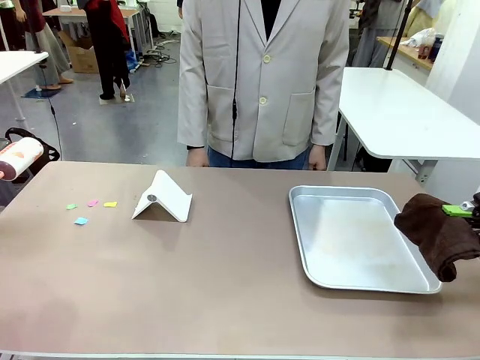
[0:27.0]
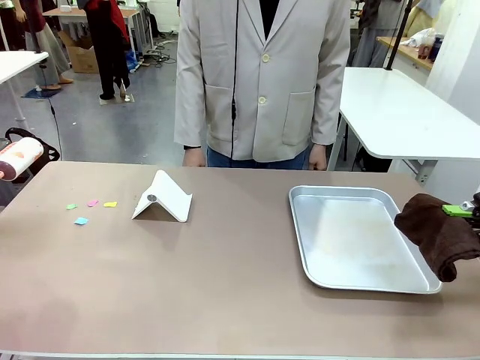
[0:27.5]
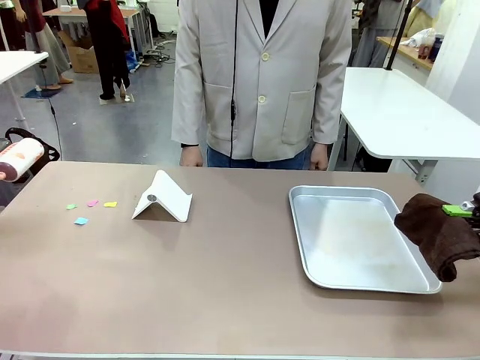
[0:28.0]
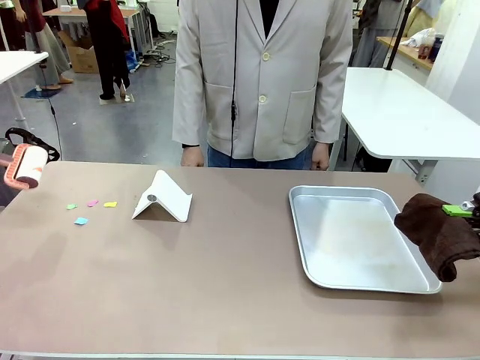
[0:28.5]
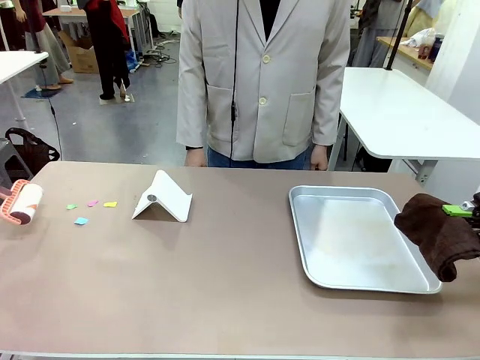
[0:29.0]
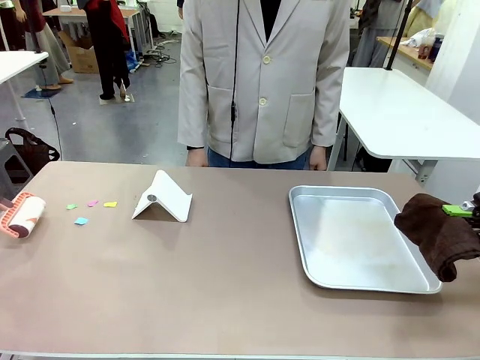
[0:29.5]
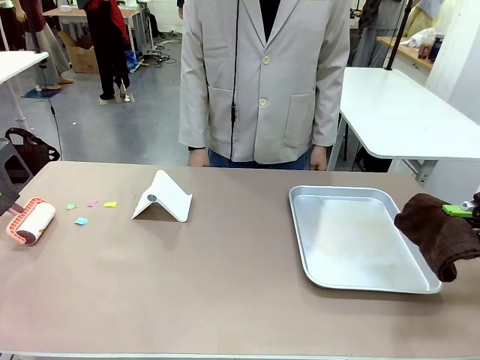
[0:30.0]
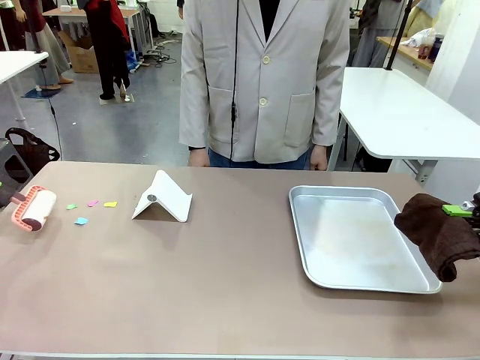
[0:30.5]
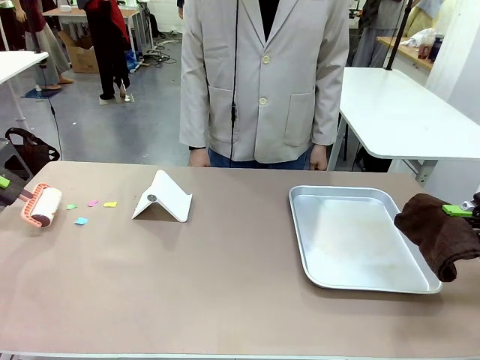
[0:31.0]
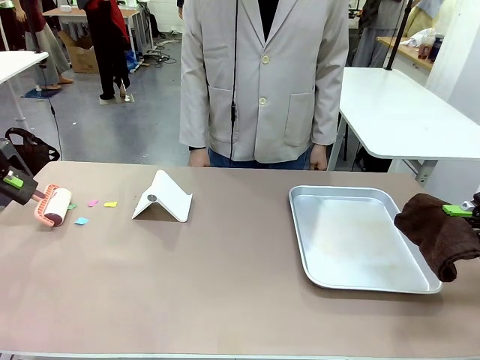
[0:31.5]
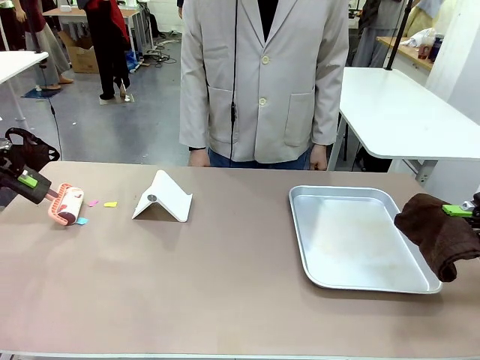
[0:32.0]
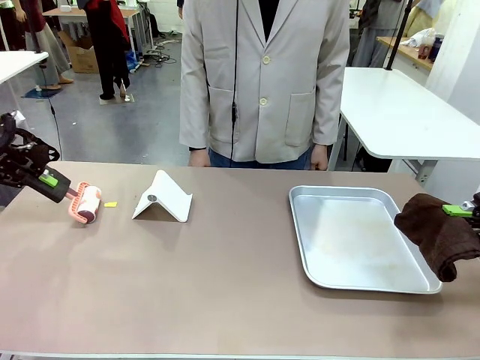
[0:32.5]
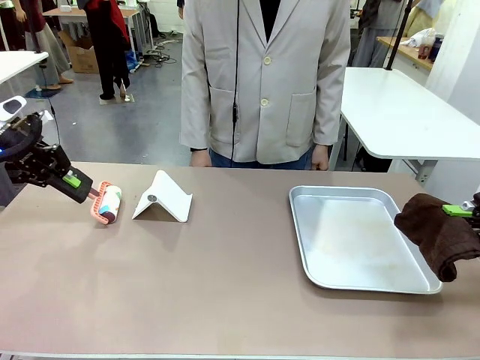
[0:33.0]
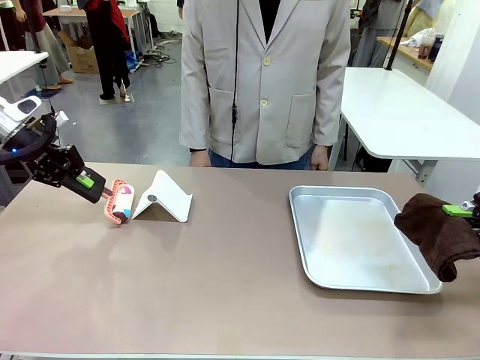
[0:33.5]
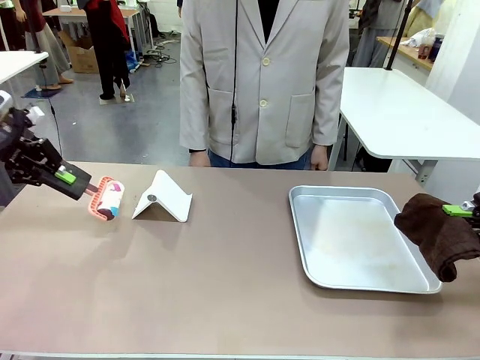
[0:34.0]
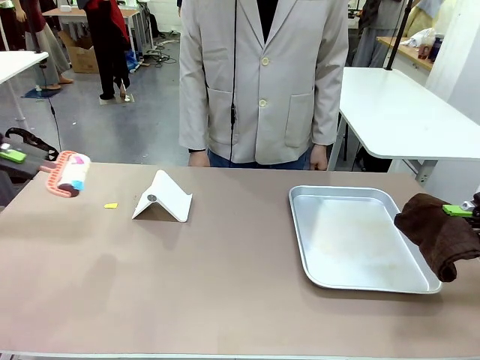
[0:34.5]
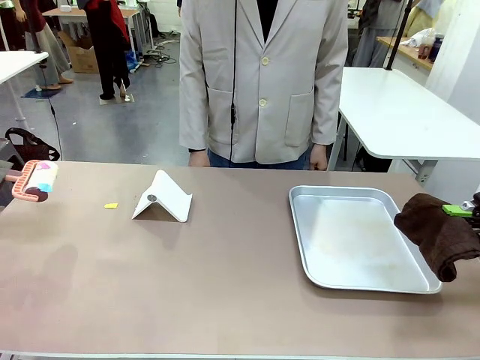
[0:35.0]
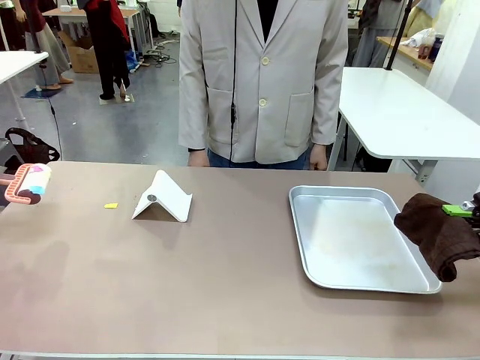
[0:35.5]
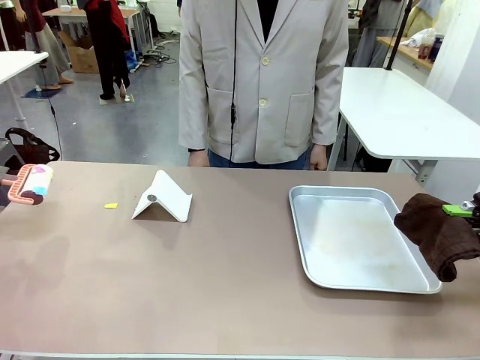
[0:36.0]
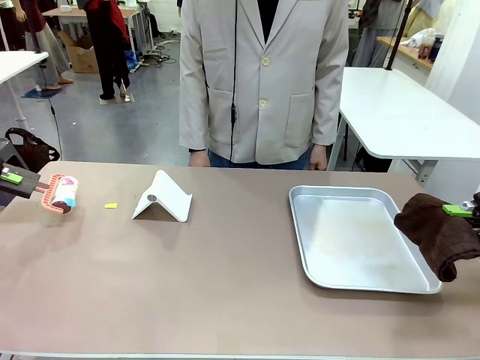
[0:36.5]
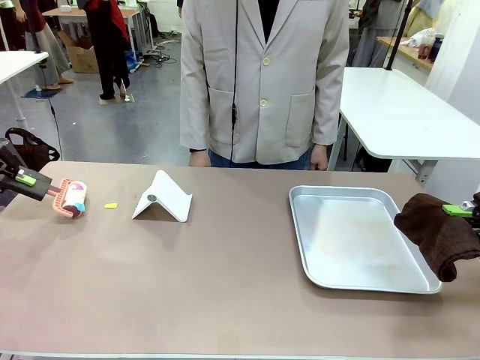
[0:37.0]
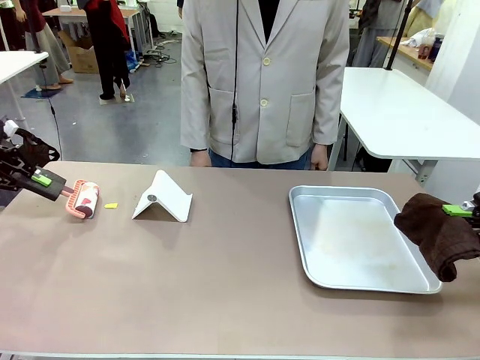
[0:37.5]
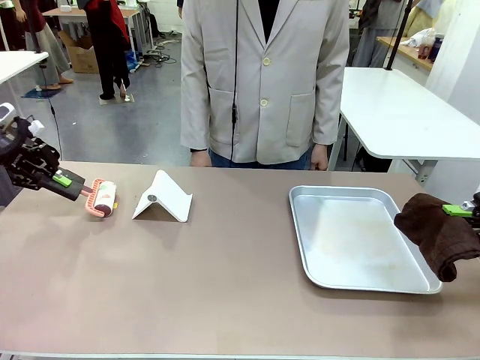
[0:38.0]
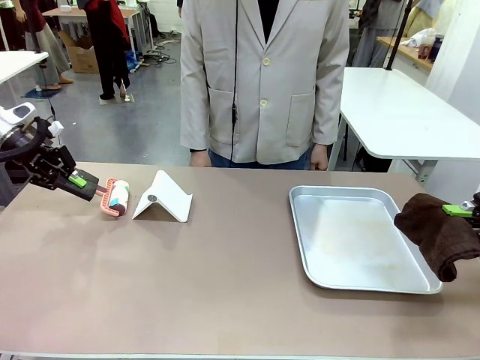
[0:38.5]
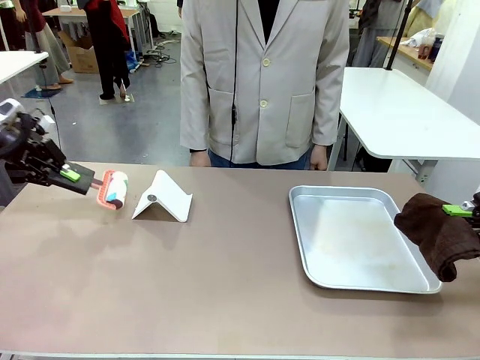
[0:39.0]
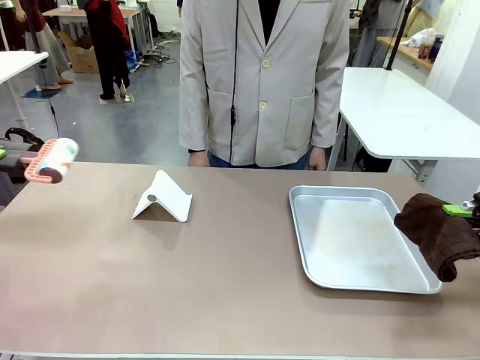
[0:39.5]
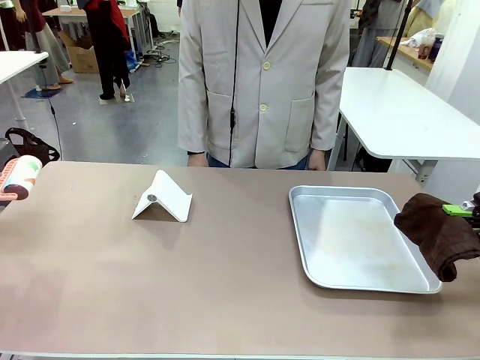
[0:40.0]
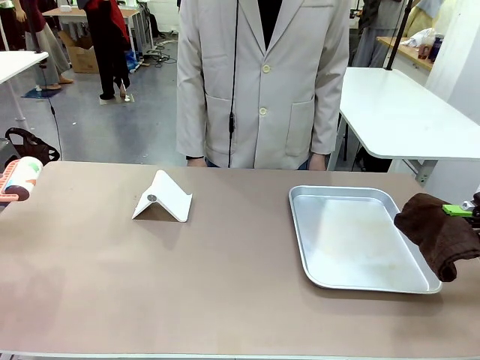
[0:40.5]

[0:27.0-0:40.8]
Task: Clean the surface of the table.
Robot: Clean the area not pointed to by the person.

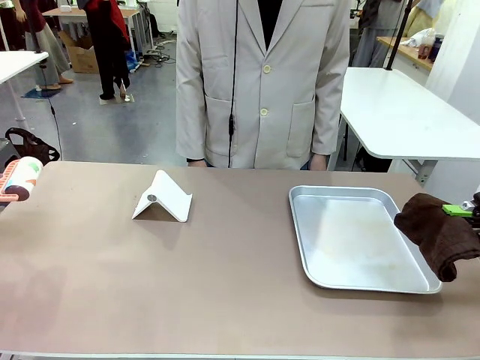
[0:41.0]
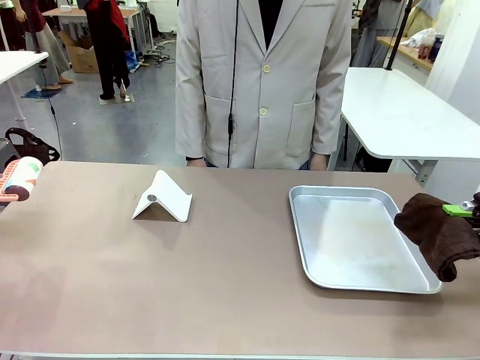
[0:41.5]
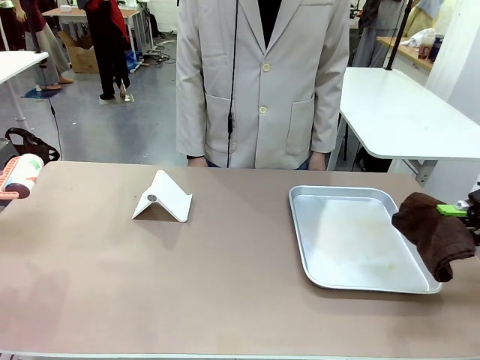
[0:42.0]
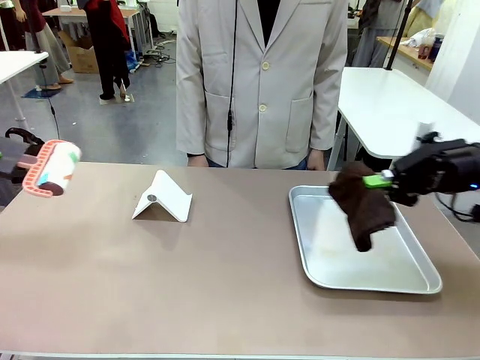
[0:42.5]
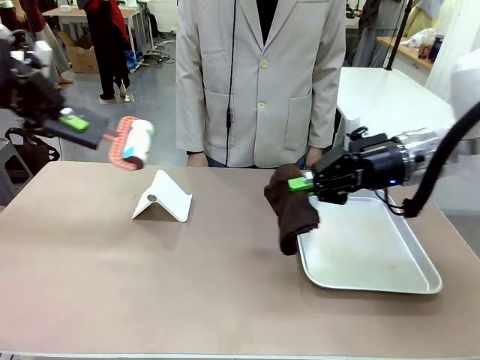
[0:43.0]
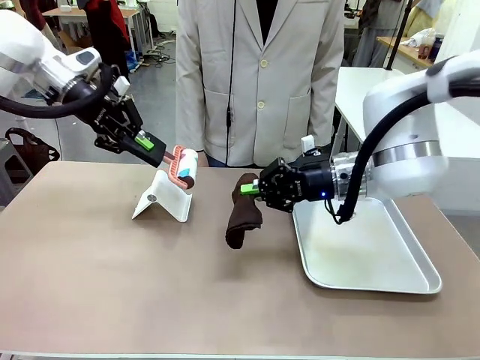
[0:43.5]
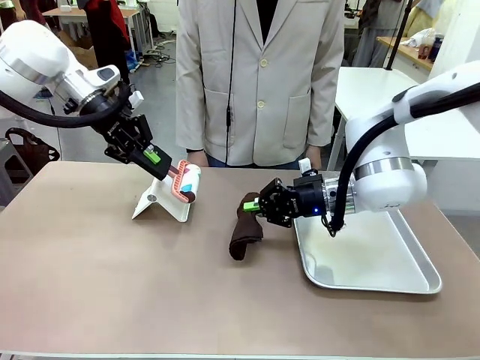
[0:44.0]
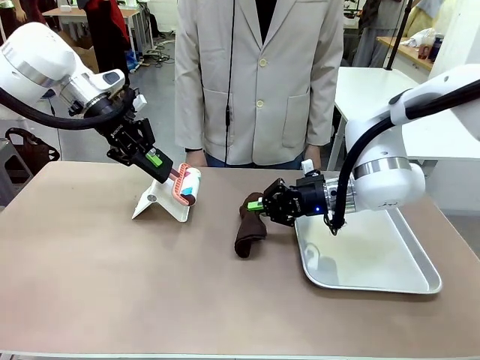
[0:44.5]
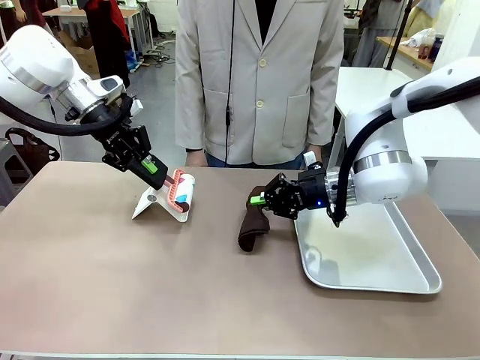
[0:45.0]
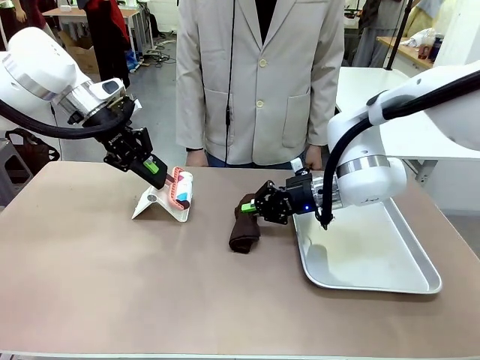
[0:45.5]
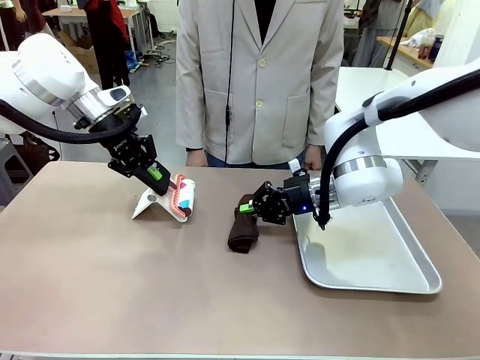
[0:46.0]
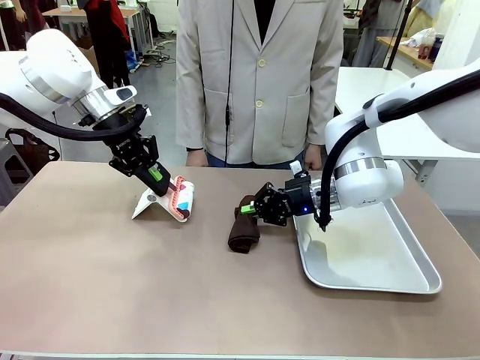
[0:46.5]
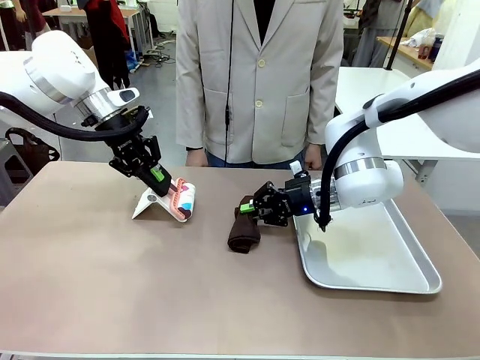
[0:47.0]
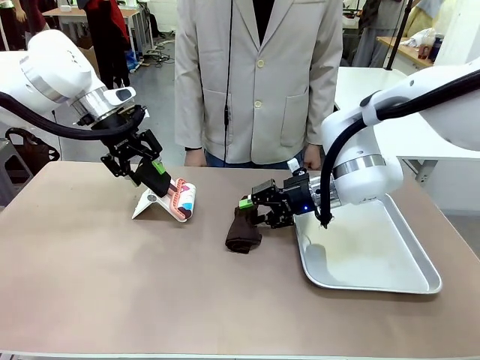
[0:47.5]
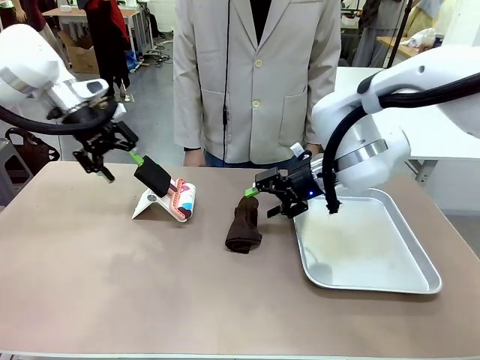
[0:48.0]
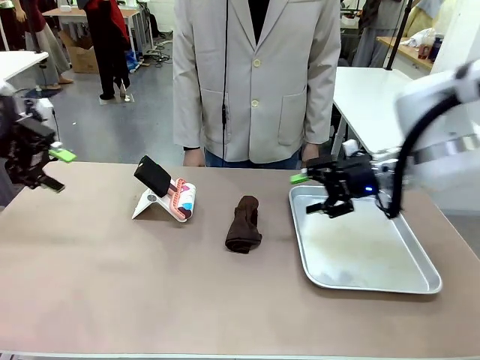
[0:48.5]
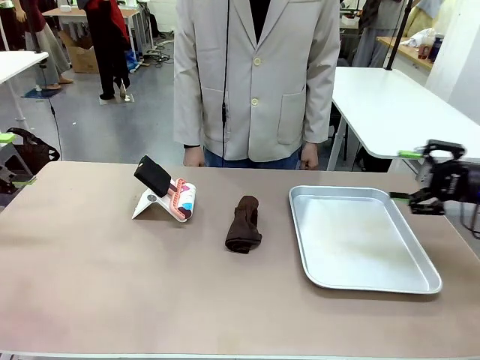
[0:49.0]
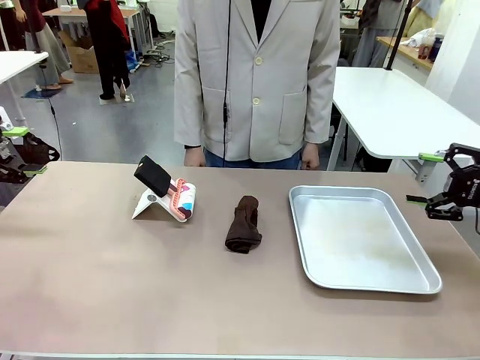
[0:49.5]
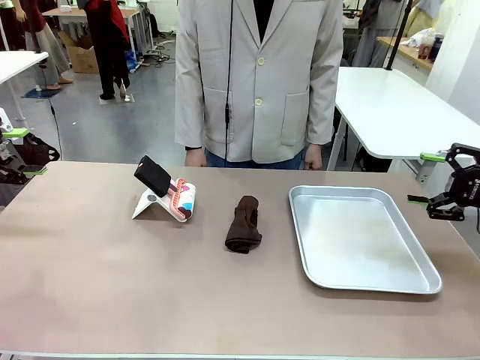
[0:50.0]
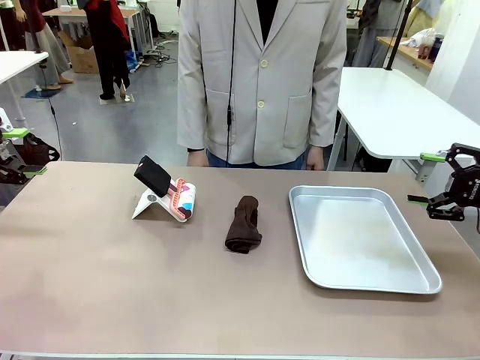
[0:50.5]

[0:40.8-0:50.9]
Robot: Return the Lint Roller and towel to their original positions.
